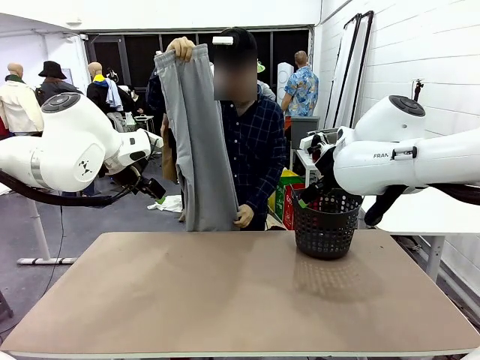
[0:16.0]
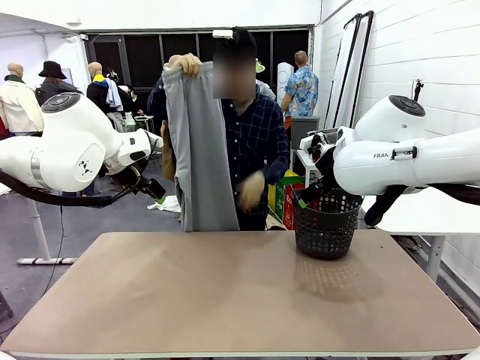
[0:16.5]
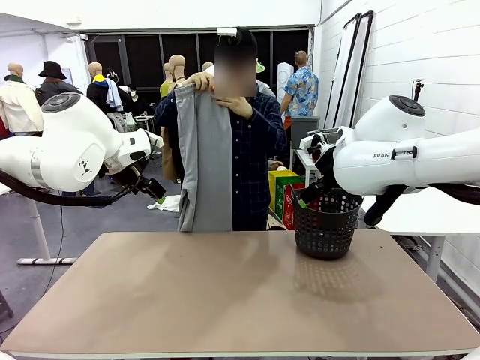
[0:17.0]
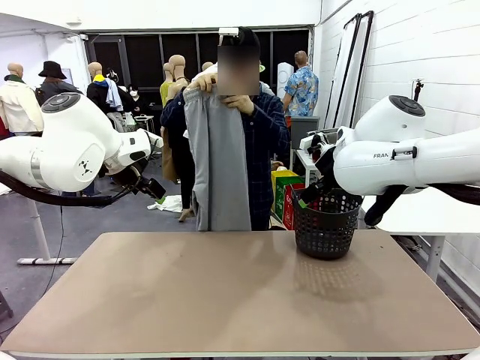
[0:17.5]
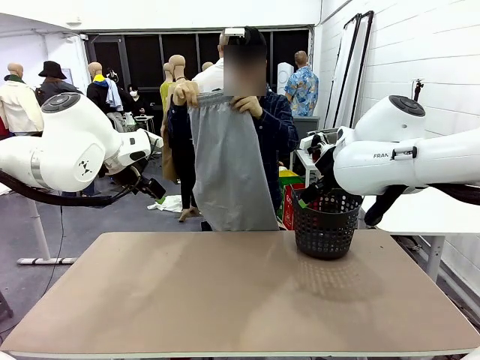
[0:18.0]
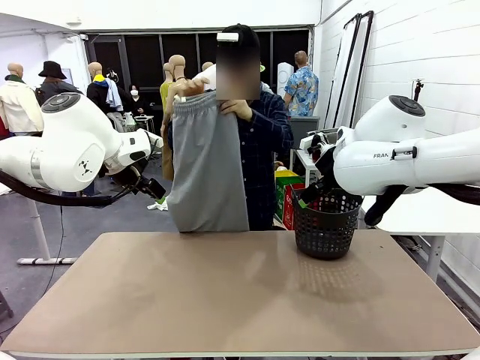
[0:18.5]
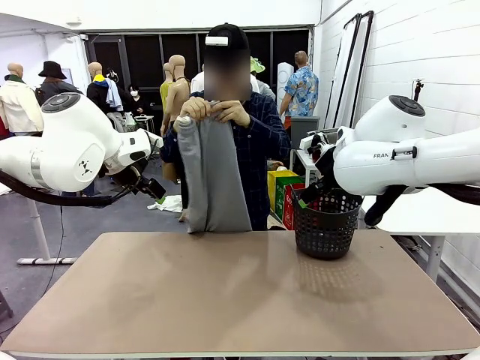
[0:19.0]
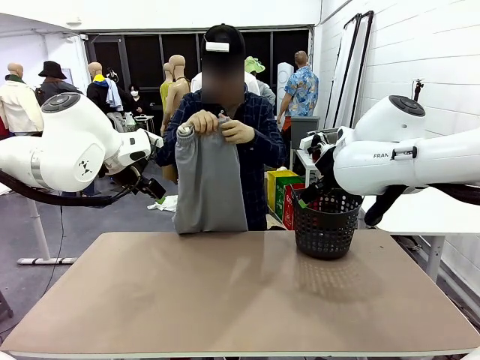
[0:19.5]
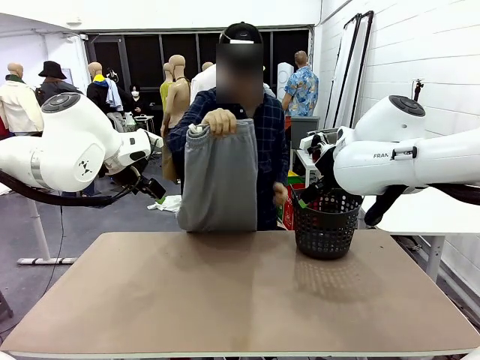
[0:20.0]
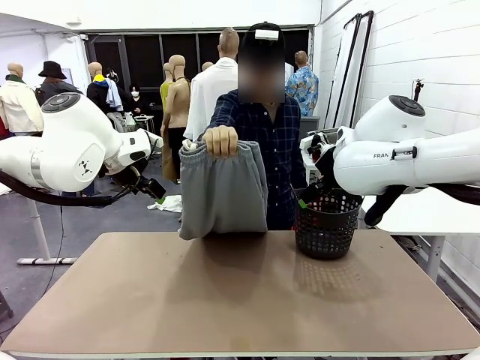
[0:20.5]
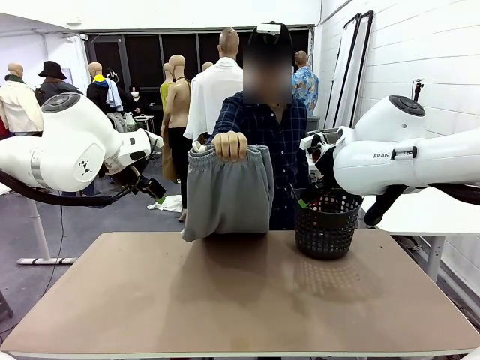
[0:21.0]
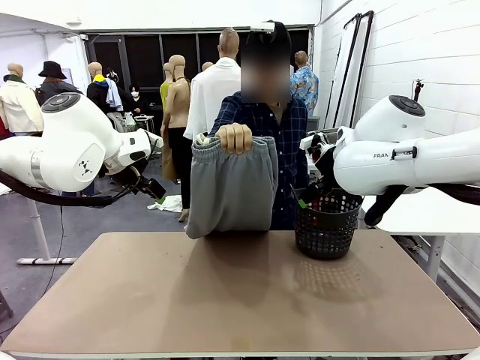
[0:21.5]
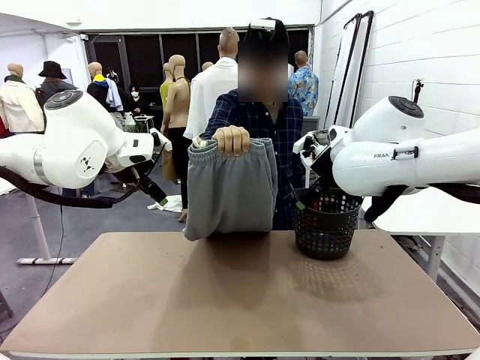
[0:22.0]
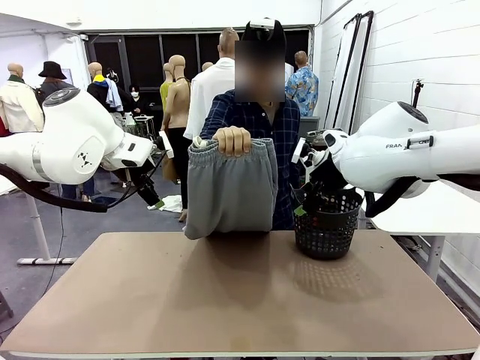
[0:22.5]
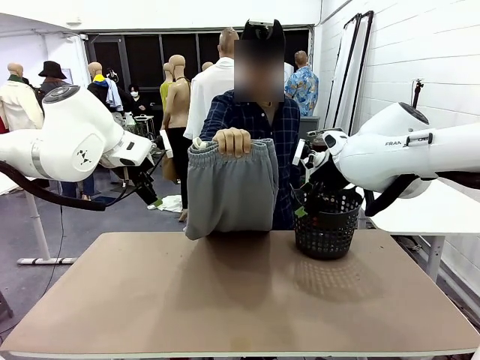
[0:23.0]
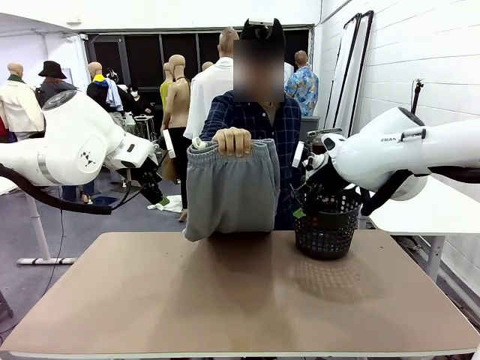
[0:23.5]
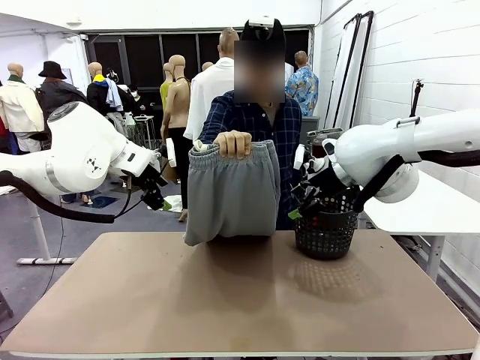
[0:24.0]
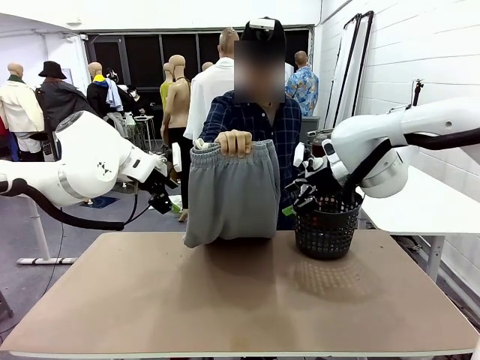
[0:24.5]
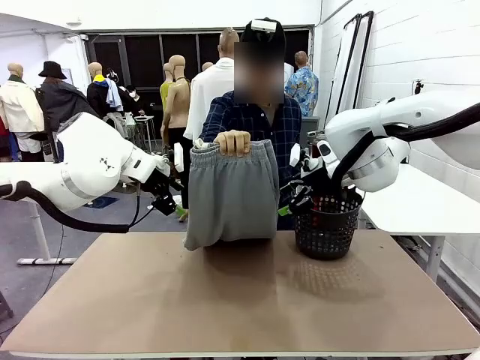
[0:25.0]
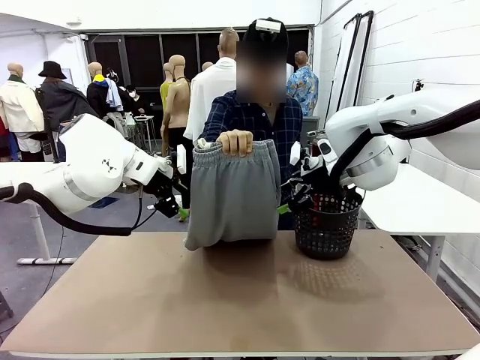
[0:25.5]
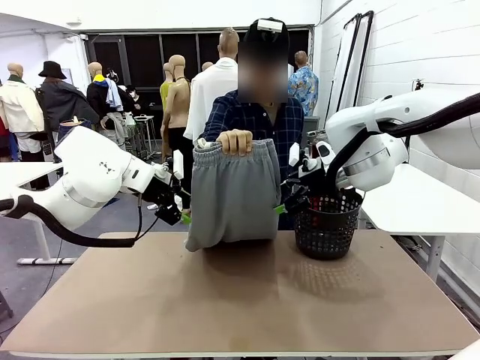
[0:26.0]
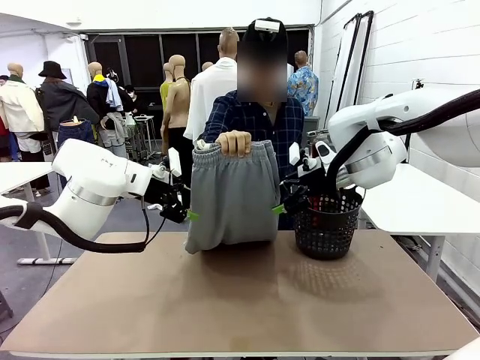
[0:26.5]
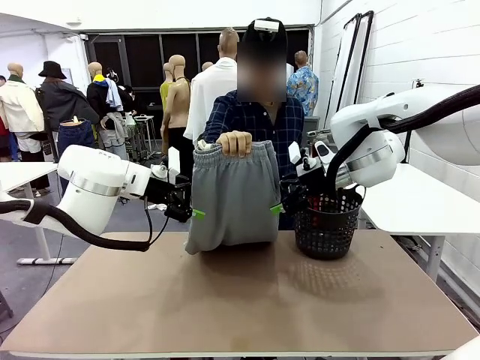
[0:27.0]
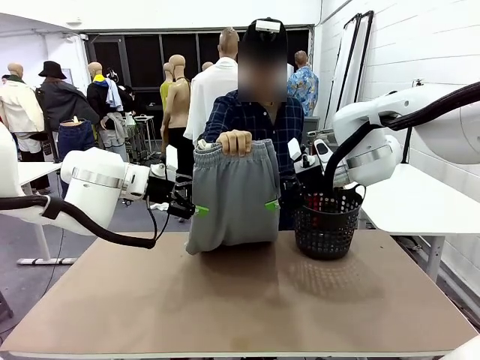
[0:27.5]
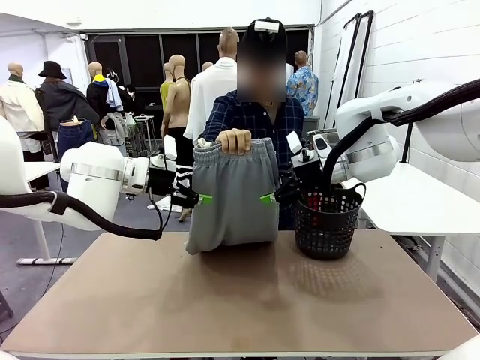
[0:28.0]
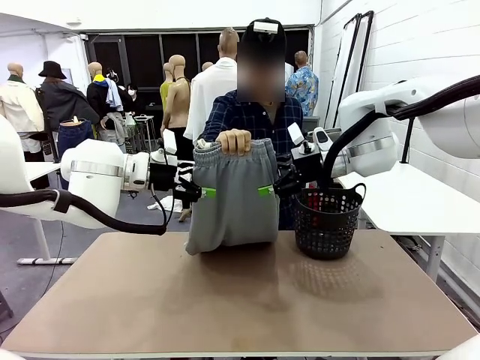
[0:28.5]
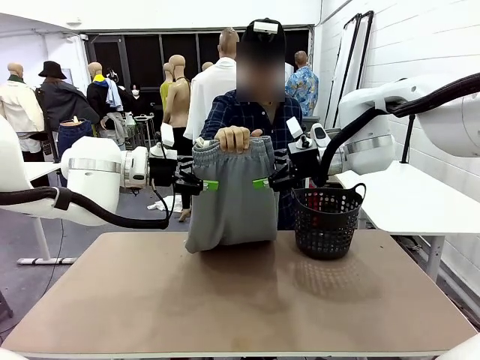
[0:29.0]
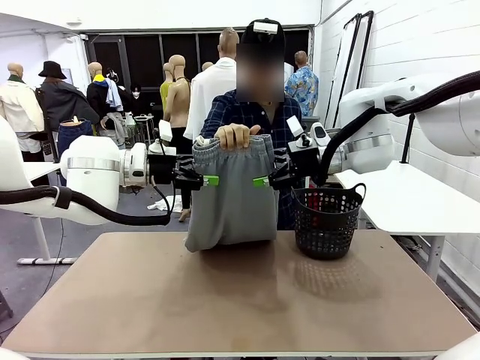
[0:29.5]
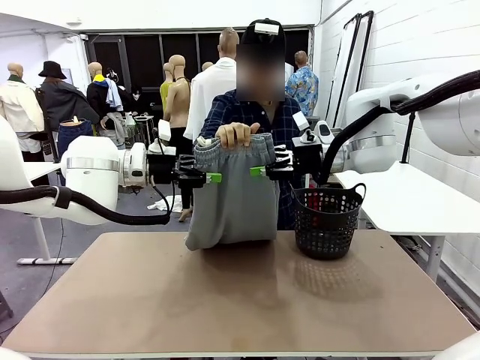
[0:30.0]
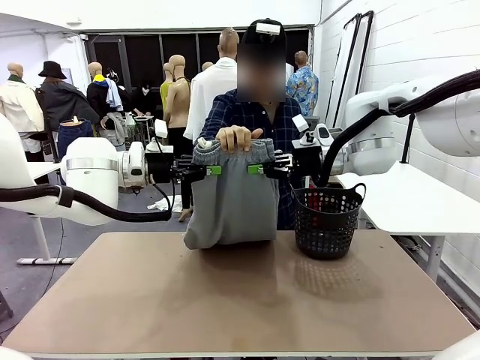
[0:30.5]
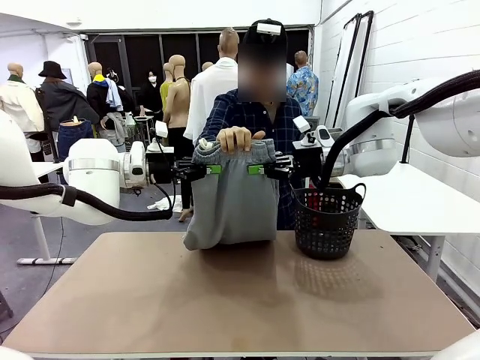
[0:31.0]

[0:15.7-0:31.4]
Task: Fold the training pants.
Robot: Grab both ends of the Training pants handed by a person.

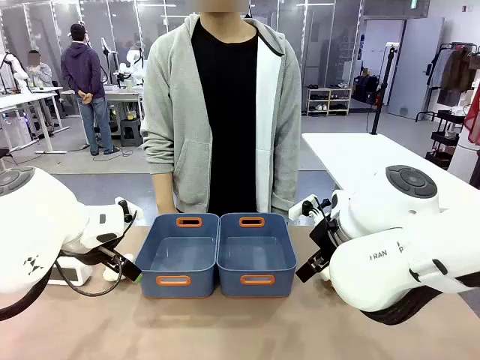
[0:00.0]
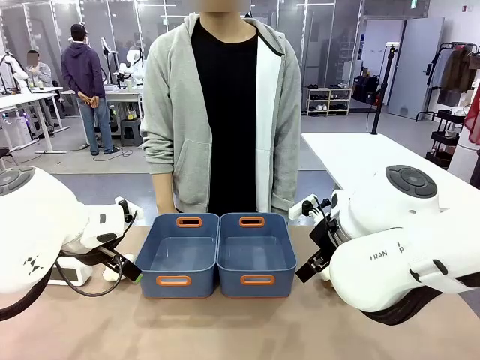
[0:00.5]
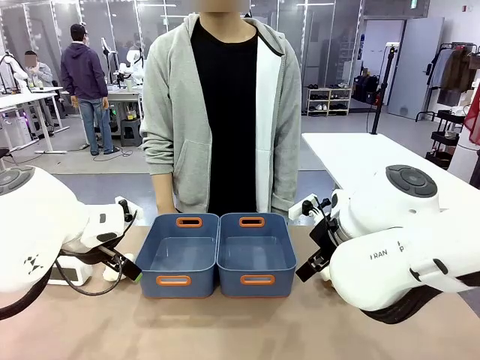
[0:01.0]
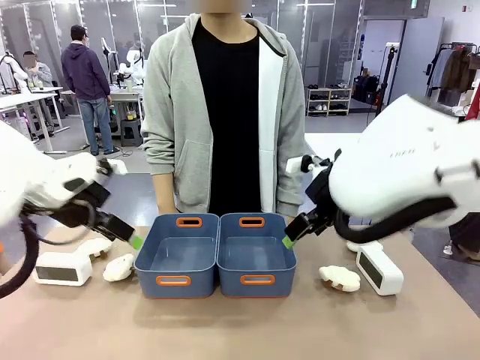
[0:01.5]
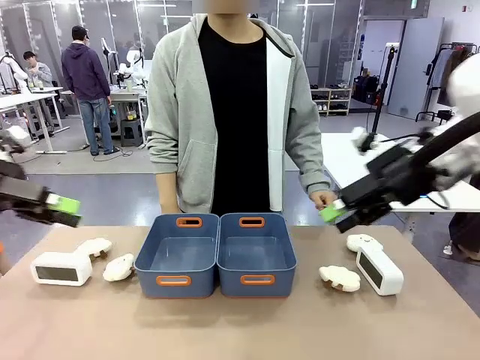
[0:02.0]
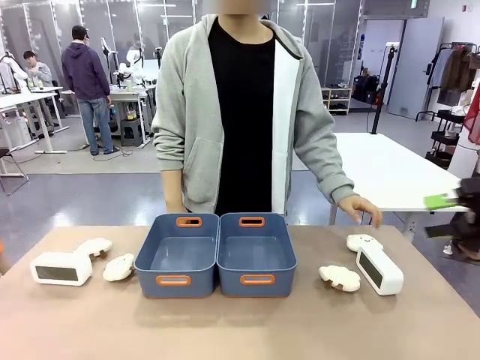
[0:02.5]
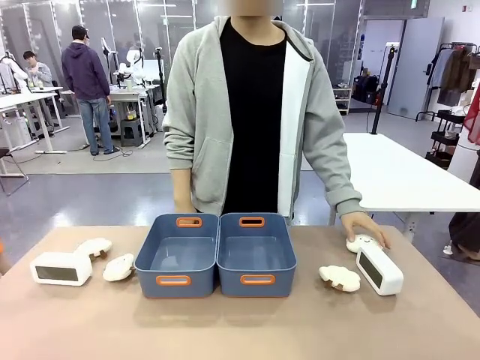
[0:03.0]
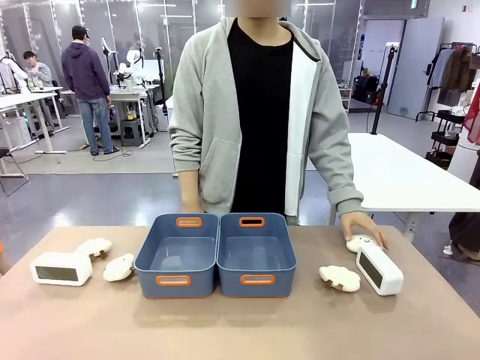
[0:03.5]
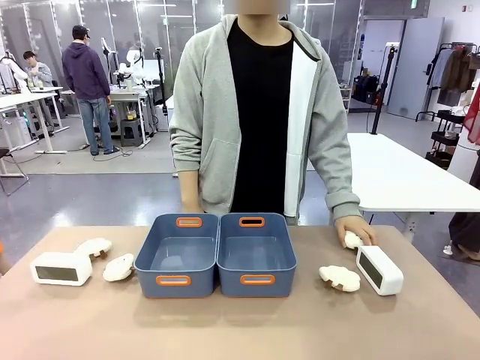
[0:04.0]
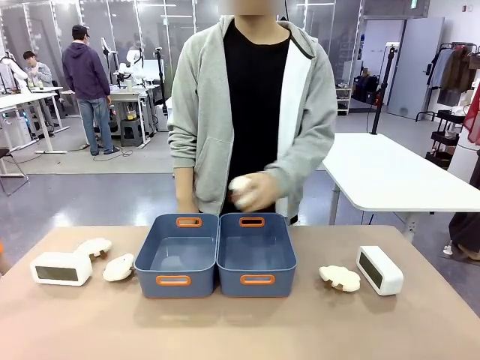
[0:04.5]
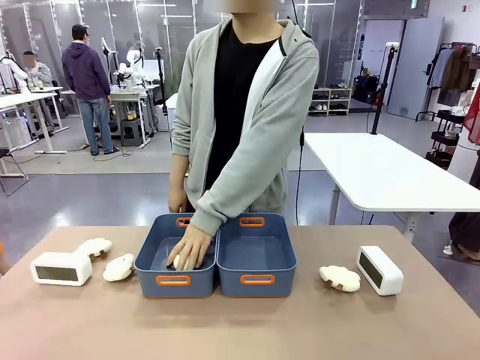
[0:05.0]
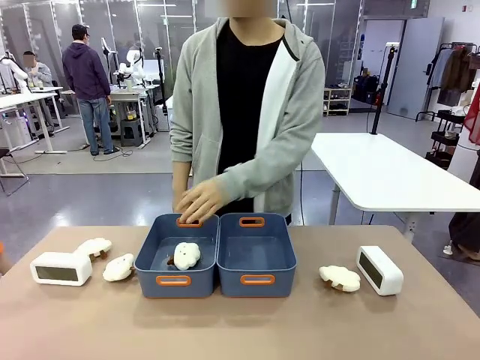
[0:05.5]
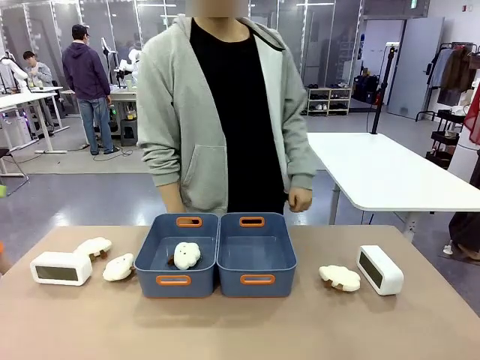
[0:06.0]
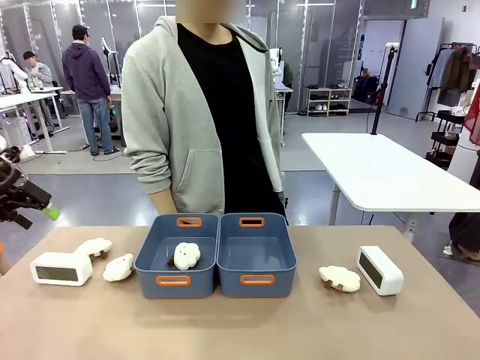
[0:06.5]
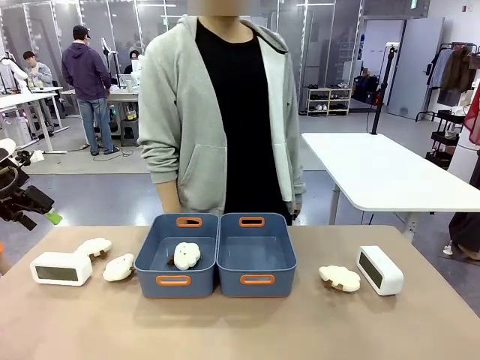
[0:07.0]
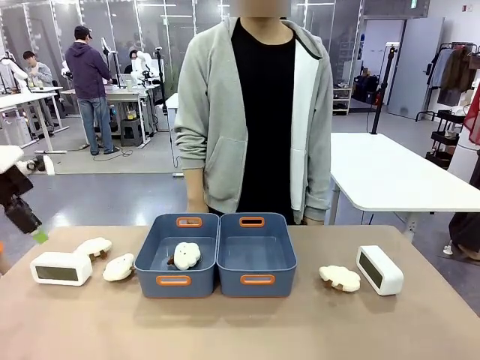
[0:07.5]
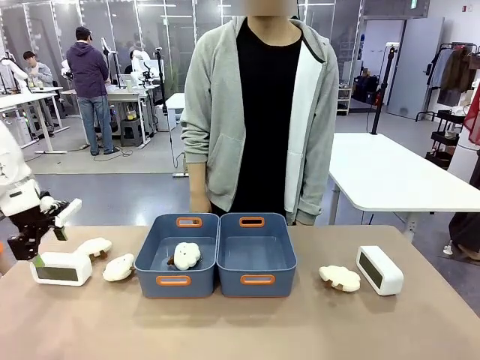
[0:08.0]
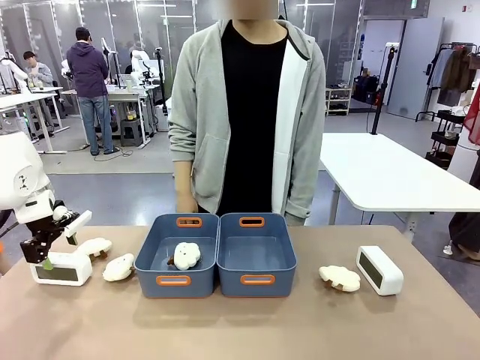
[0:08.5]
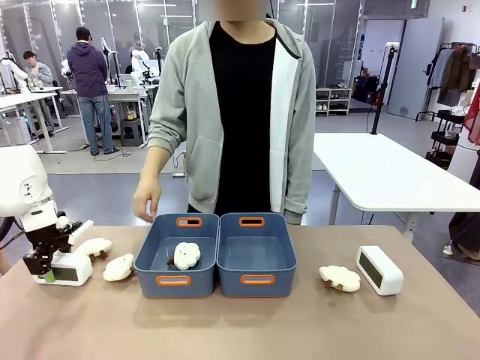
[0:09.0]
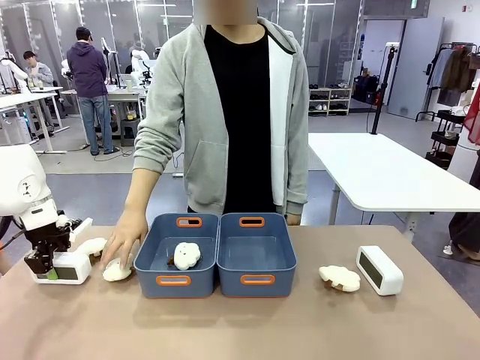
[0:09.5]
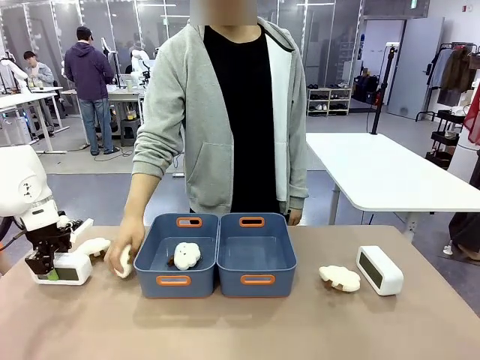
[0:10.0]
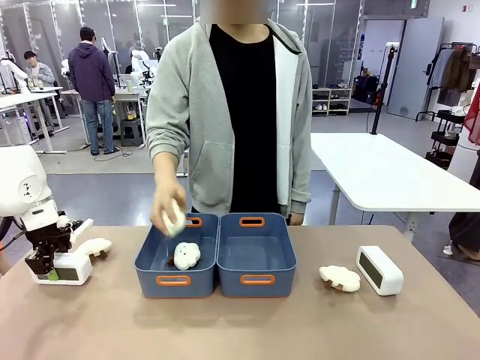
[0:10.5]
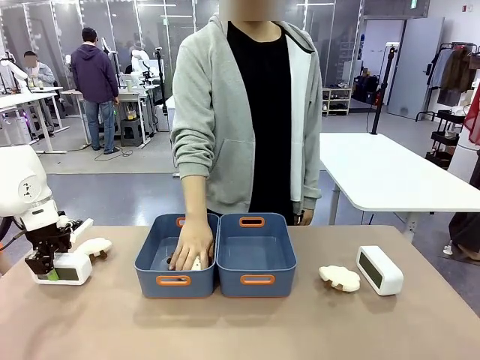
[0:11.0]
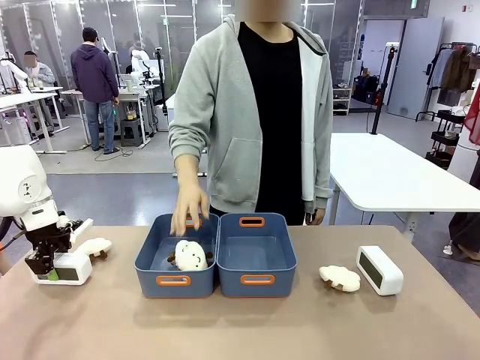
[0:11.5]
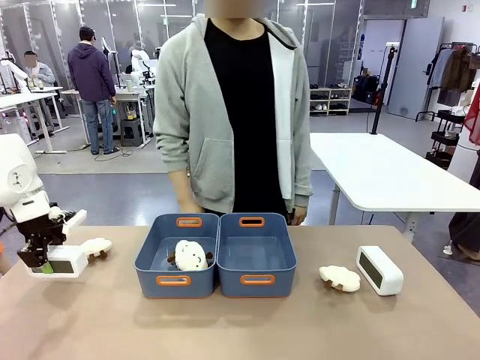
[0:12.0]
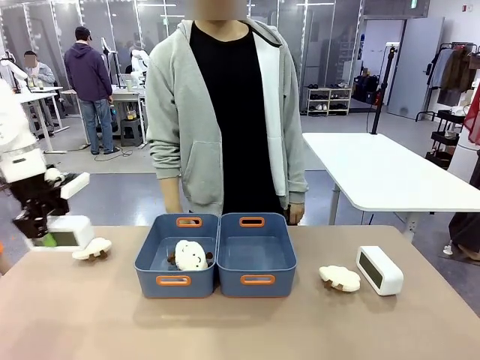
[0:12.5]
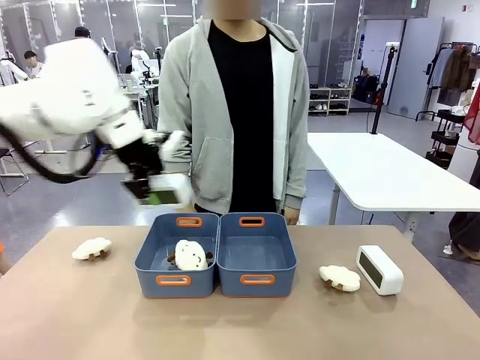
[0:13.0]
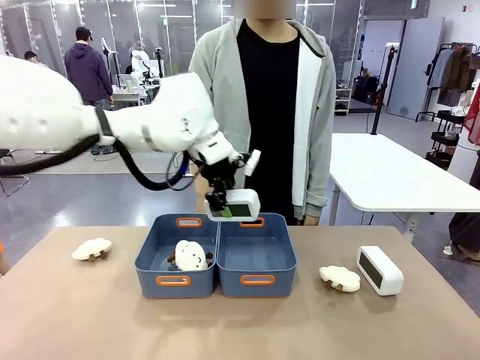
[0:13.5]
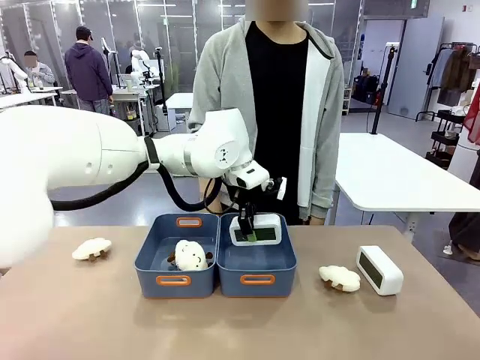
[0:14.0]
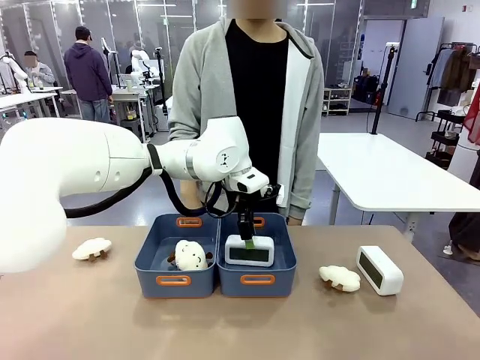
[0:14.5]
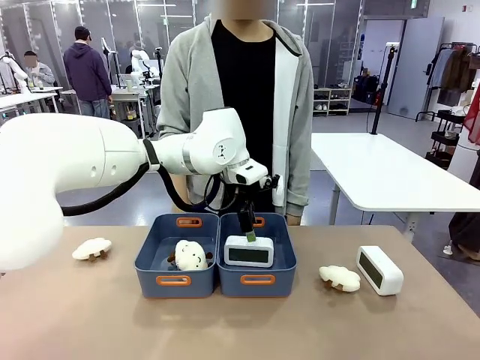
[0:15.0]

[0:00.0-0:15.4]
Task: Sort the digital clocks into the basket.
Robot: Pick up the Digital clock from the table and place it into the empty Plastic storage basket.
Person: Pick up a plush toy from the table and place it in a plastic storage basket.
